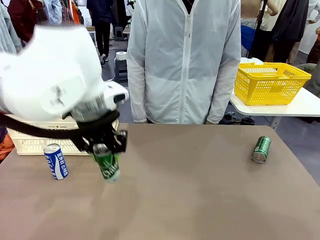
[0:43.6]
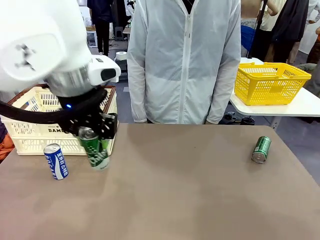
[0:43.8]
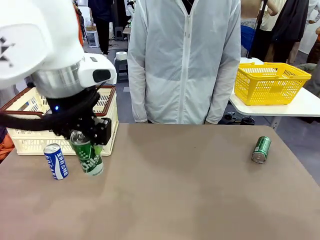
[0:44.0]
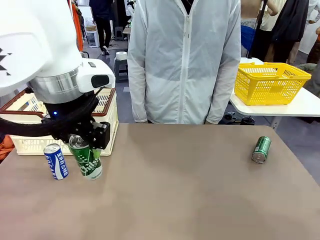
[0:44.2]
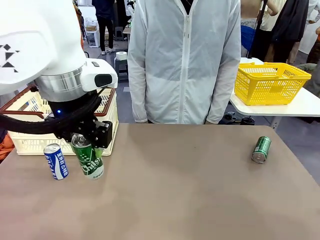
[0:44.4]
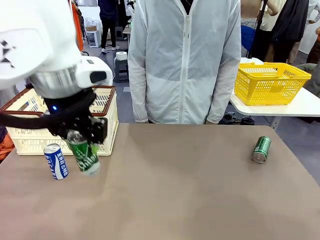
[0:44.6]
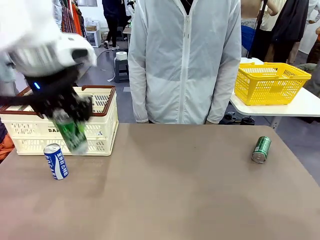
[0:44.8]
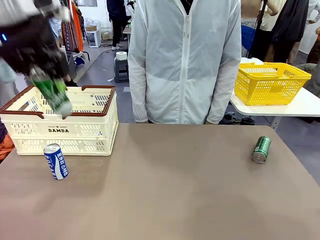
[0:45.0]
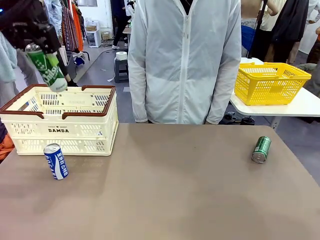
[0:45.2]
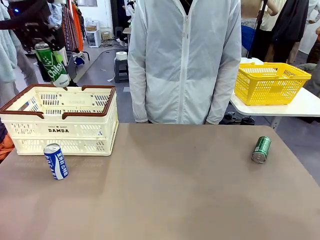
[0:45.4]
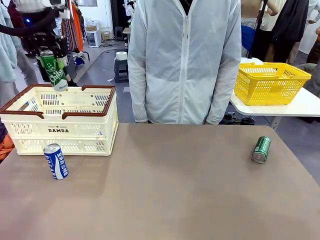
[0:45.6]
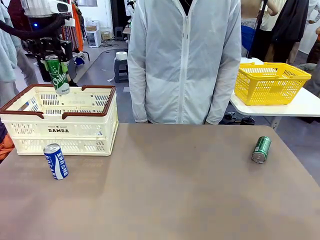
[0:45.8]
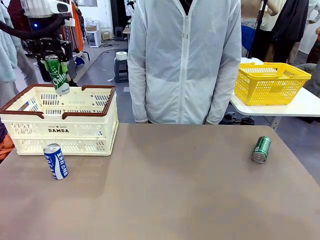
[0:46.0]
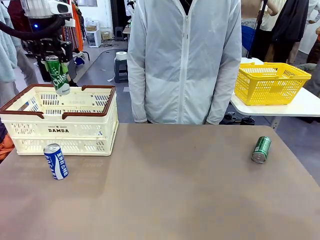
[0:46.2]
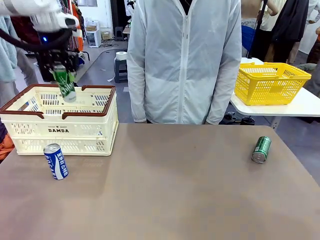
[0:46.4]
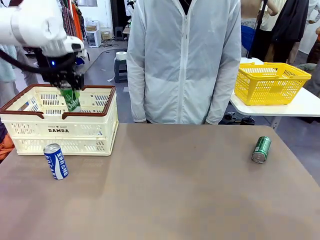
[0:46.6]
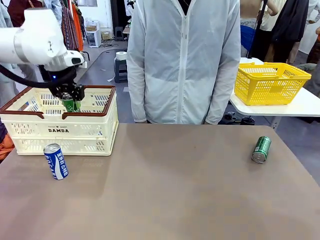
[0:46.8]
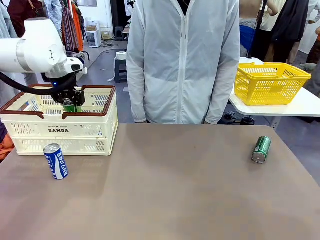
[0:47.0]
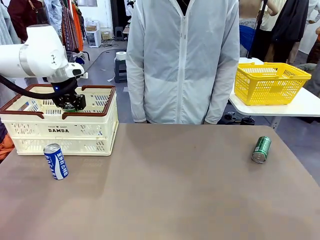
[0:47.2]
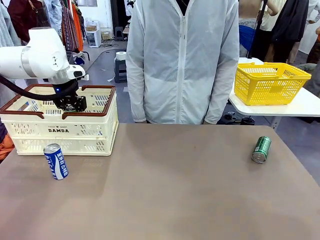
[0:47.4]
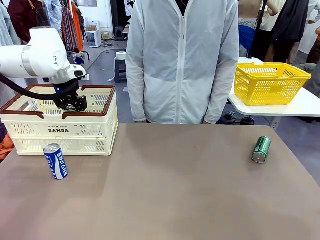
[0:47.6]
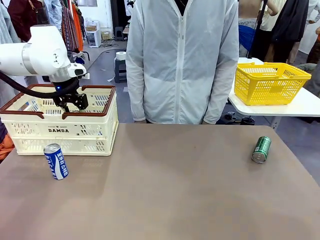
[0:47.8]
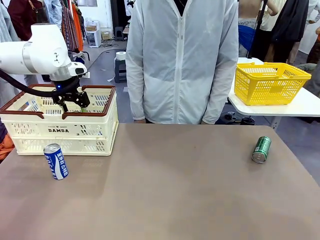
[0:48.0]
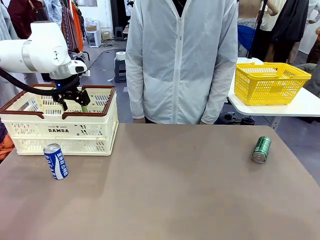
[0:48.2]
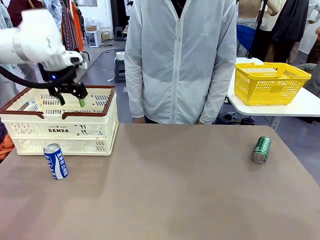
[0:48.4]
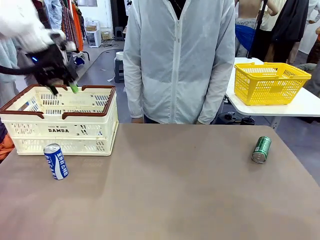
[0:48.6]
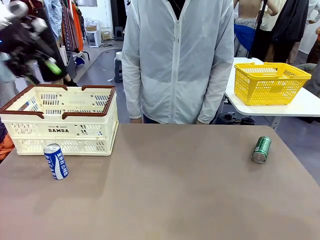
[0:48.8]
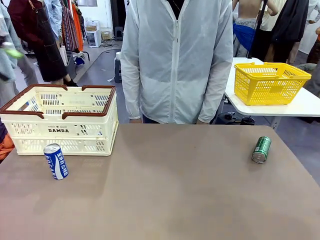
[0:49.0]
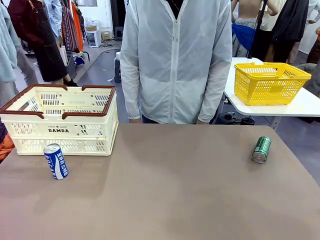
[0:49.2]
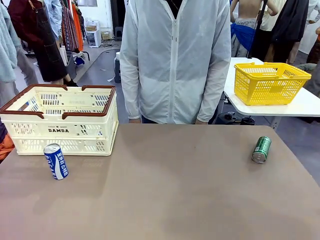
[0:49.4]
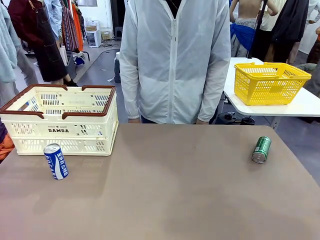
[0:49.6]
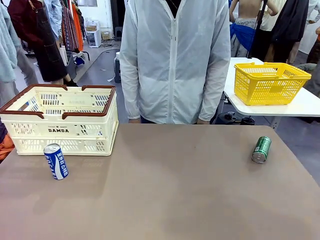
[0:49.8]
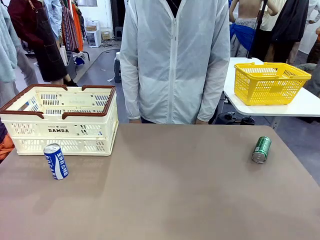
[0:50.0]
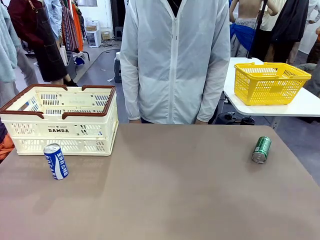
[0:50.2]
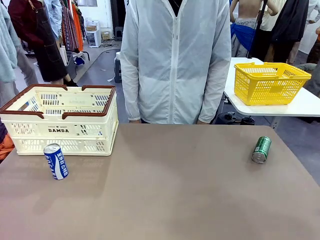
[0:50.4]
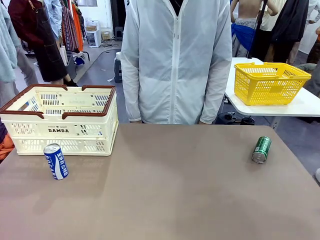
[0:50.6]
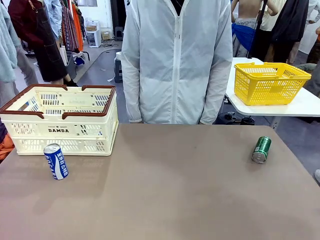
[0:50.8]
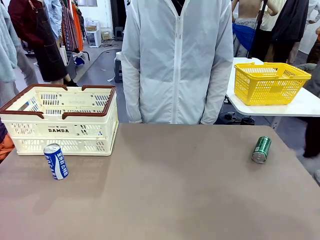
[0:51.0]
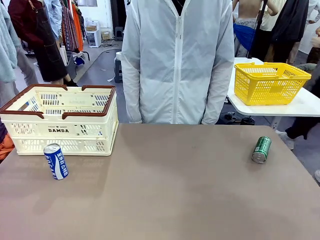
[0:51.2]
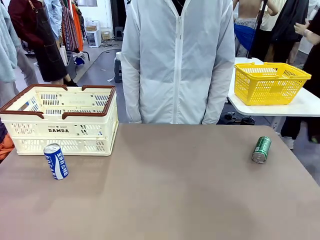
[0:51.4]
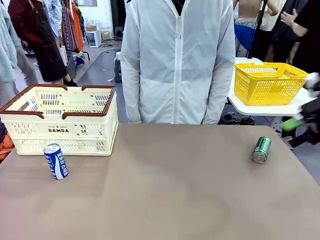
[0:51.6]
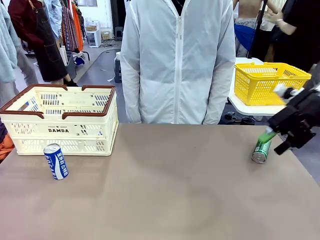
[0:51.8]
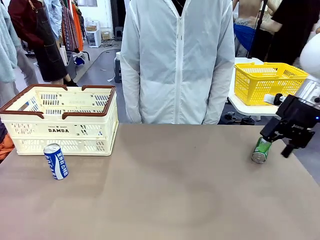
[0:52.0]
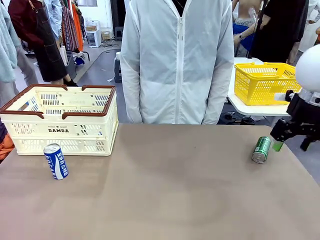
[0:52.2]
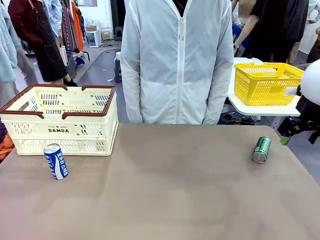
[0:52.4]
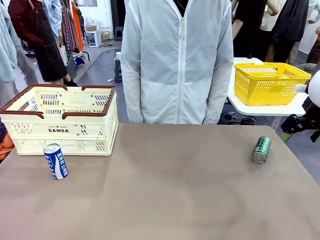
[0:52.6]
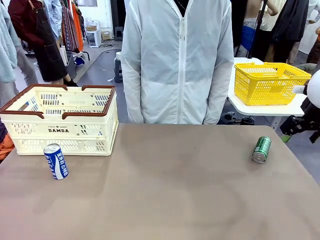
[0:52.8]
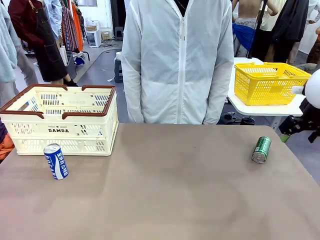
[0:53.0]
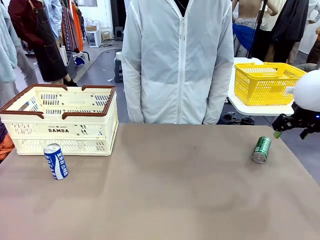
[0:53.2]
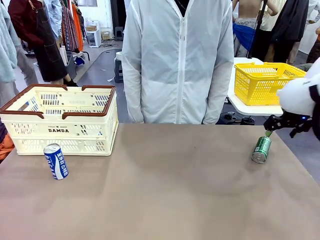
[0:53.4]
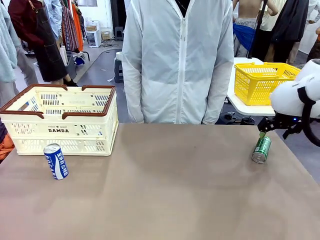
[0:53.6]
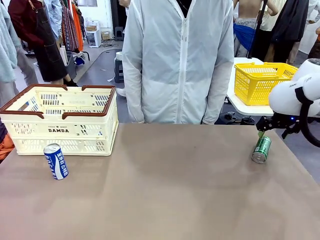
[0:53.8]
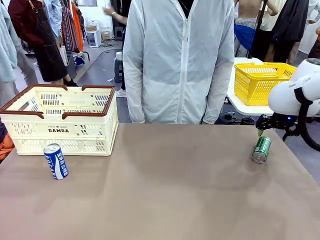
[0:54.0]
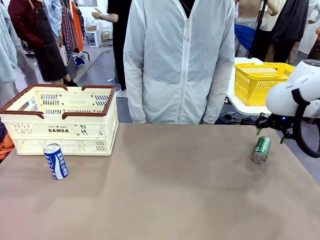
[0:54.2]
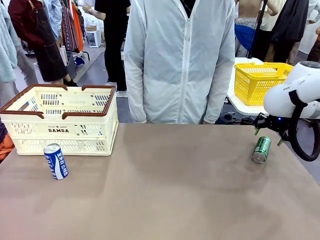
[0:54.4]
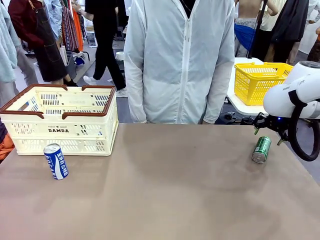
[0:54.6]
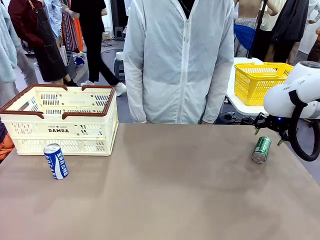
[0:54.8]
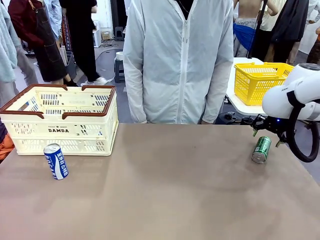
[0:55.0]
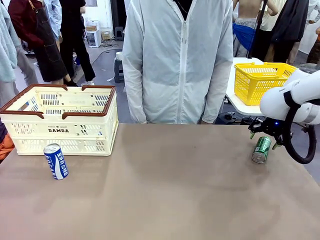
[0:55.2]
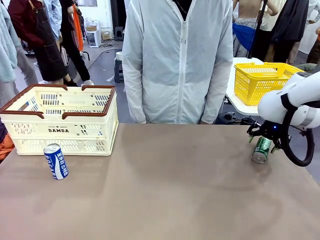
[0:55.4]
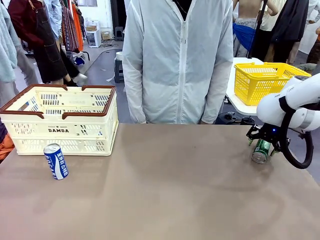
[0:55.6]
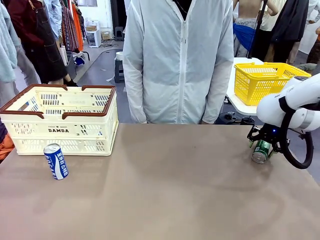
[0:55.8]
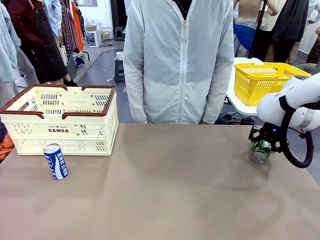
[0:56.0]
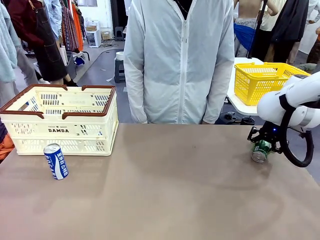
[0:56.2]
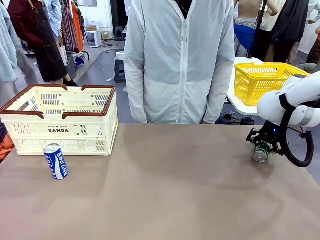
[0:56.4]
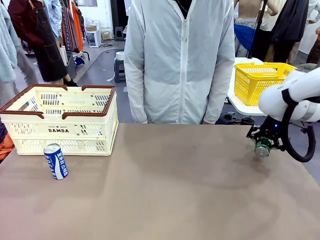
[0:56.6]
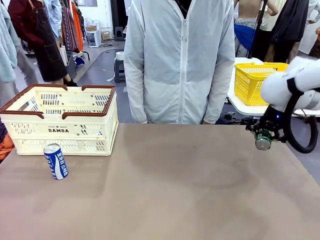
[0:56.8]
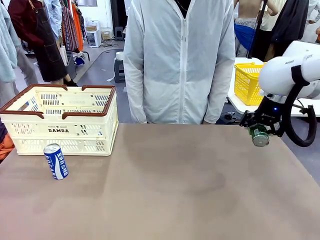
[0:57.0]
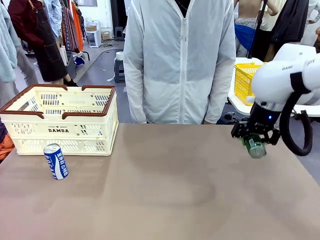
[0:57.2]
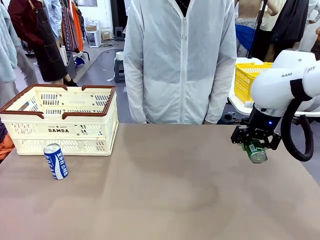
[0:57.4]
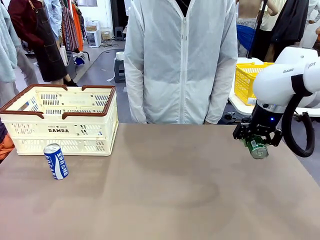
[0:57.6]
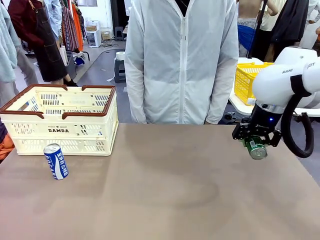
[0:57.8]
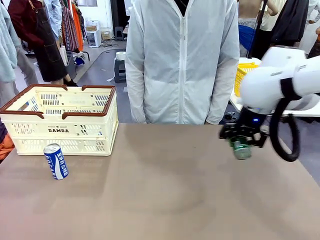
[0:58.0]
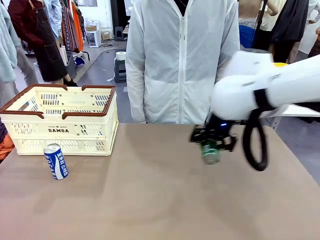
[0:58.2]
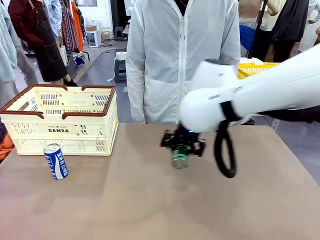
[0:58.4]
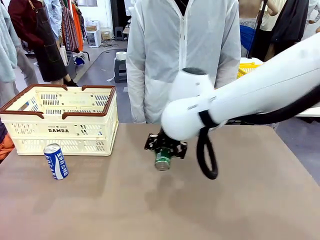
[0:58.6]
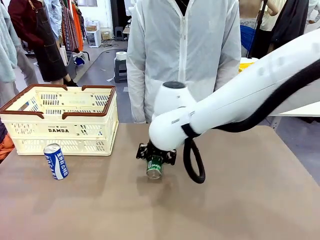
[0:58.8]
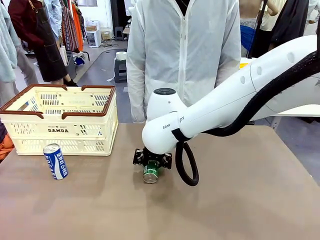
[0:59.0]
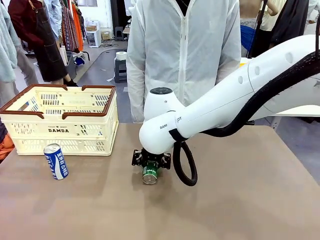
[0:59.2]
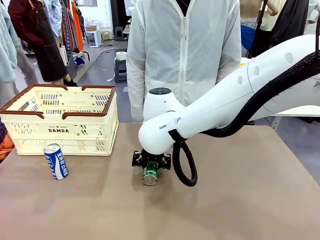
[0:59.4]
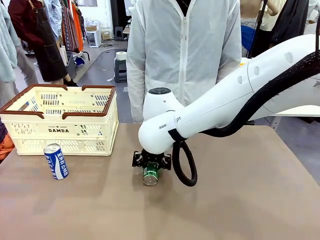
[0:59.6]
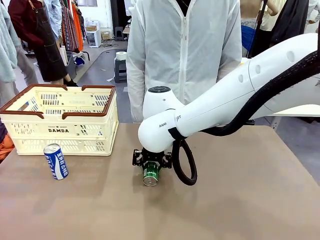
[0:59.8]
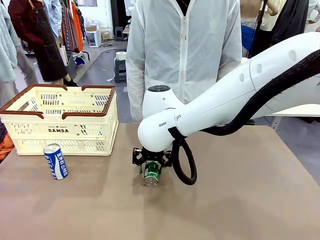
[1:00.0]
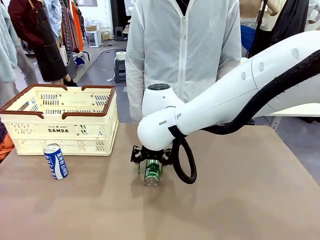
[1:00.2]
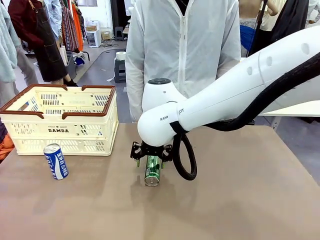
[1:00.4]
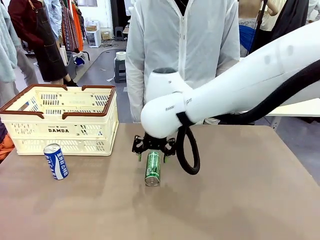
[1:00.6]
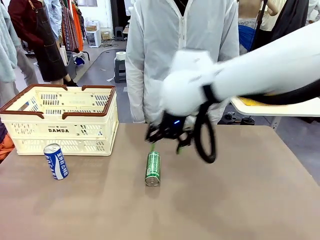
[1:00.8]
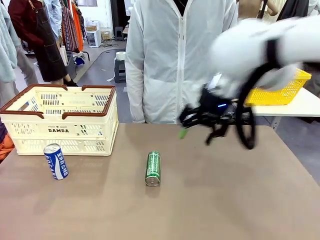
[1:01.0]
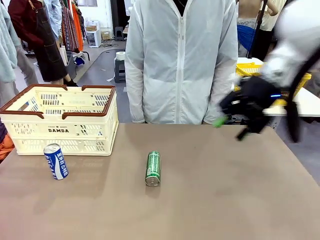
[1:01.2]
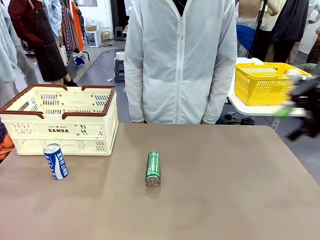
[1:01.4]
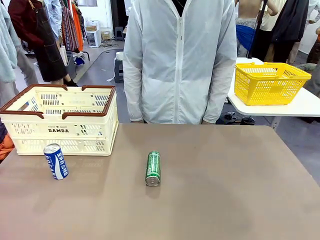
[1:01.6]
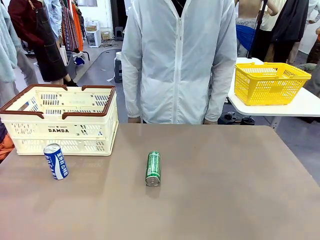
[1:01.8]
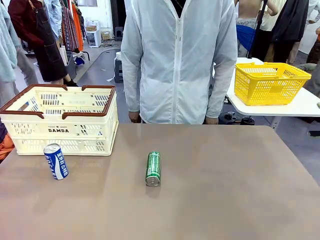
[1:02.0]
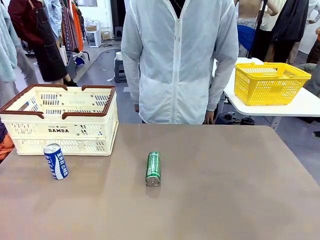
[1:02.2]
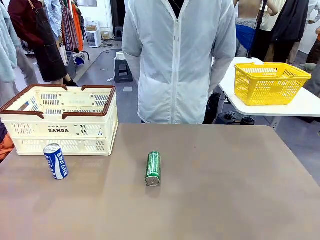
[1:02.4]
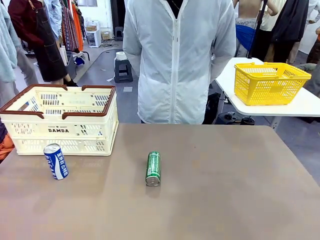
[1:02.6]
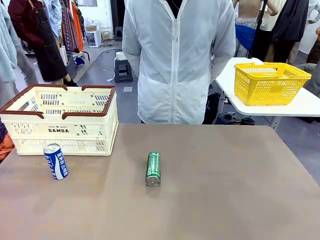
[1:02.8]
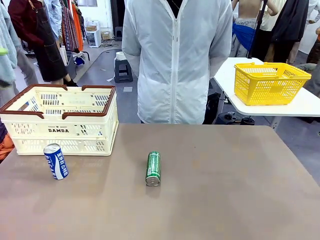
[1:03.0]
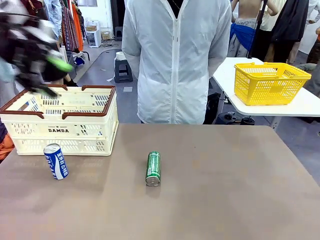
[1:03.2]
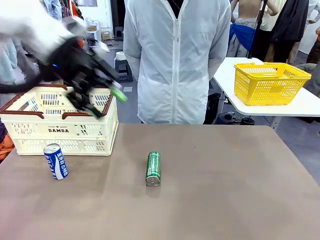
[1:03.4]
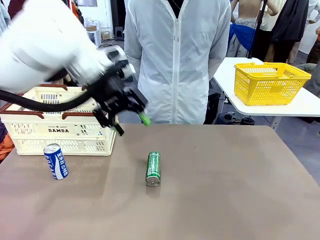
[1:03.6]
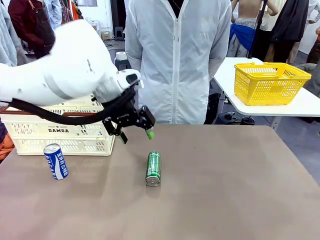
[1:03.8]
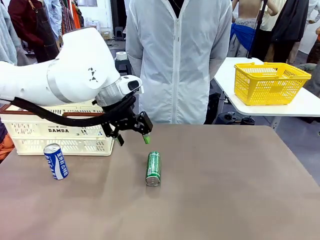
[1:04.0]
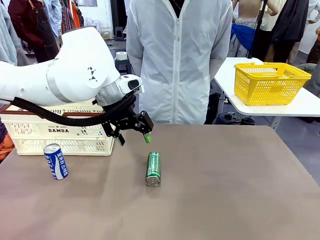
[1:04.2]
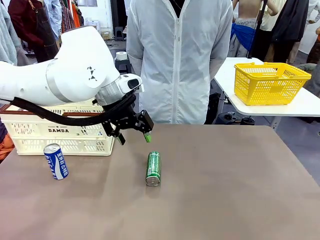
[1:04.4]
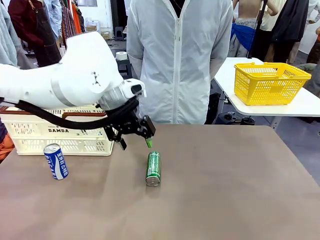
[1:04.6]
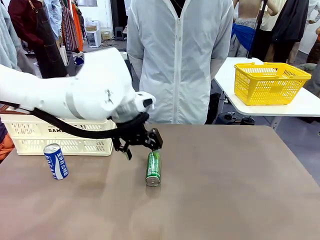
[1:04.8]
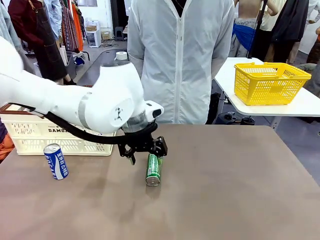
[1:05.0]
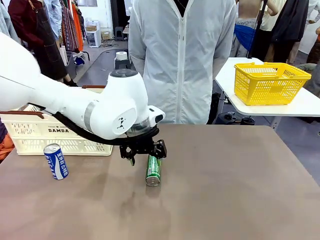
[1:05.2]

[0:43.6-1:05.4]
Task: Place the drinks into the Shopping basket.
Robot: Pick up one drink and place it into the Shopping basket.
